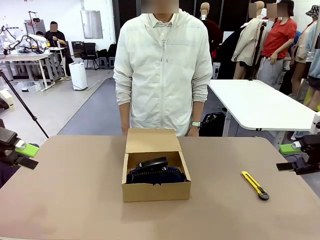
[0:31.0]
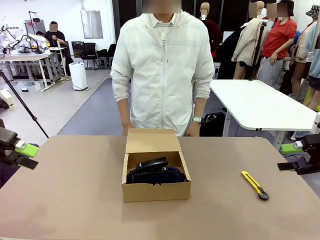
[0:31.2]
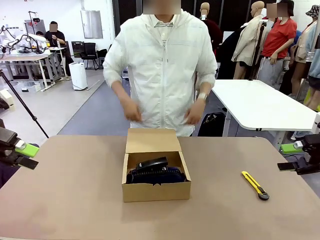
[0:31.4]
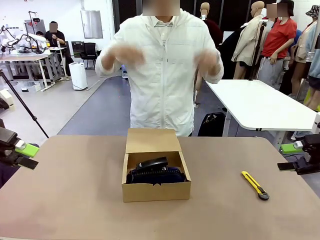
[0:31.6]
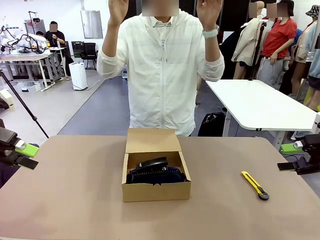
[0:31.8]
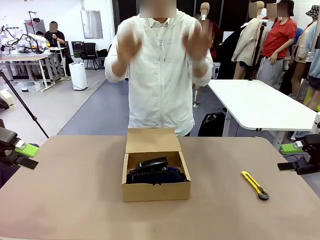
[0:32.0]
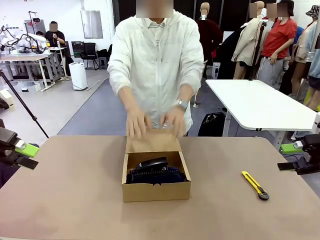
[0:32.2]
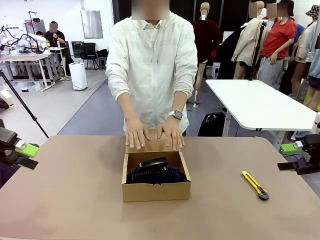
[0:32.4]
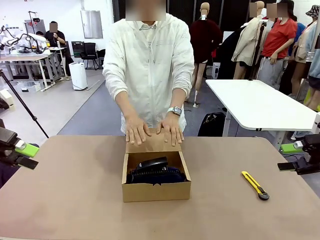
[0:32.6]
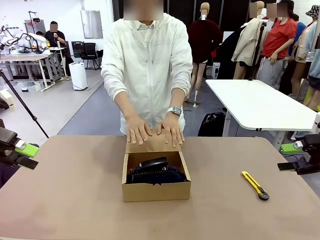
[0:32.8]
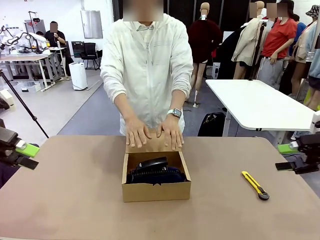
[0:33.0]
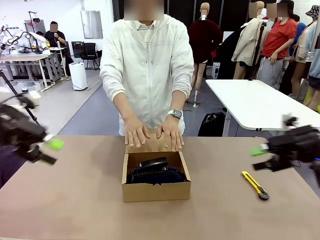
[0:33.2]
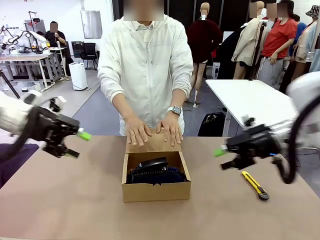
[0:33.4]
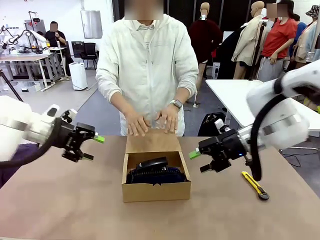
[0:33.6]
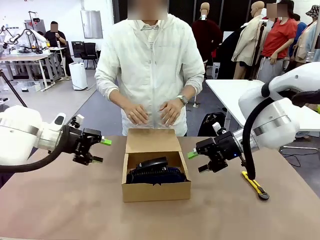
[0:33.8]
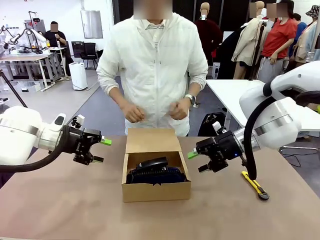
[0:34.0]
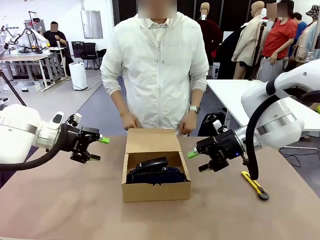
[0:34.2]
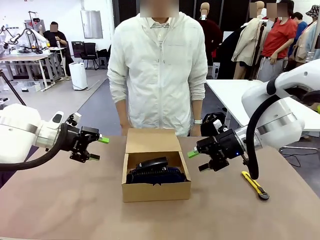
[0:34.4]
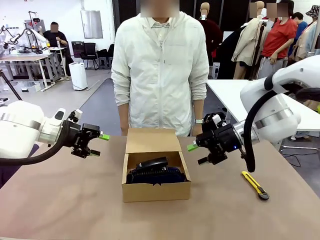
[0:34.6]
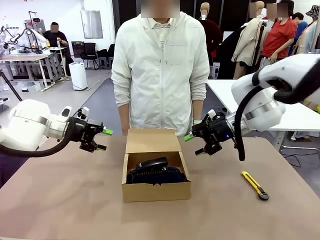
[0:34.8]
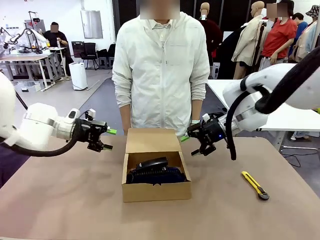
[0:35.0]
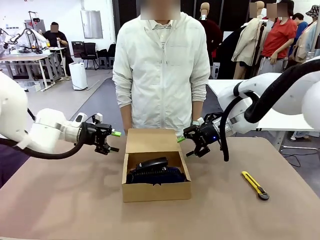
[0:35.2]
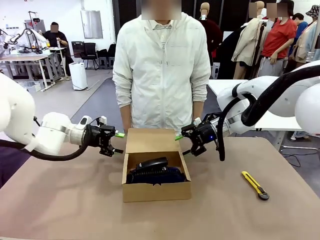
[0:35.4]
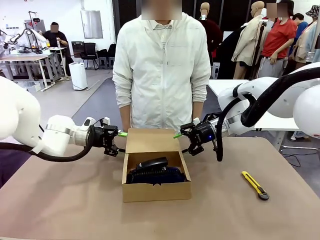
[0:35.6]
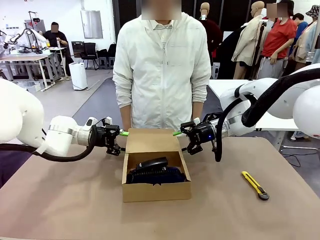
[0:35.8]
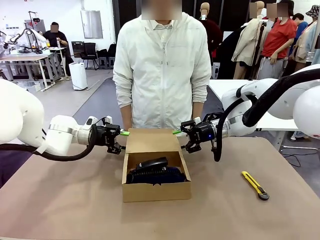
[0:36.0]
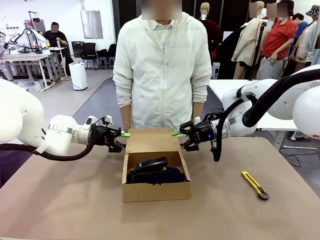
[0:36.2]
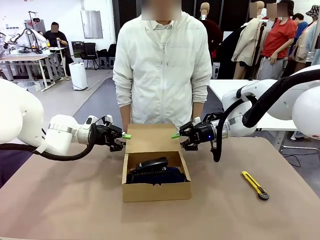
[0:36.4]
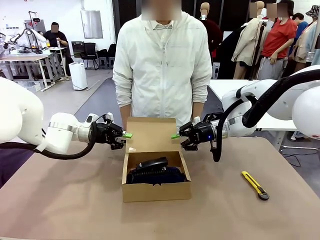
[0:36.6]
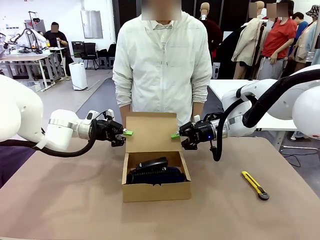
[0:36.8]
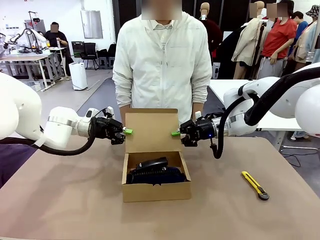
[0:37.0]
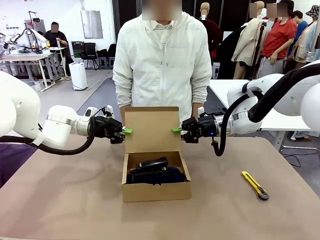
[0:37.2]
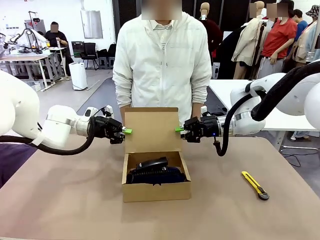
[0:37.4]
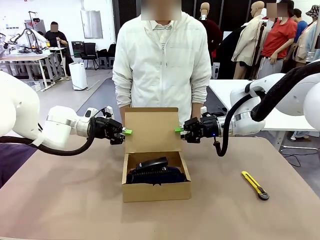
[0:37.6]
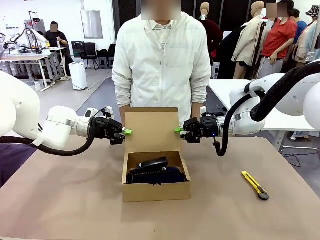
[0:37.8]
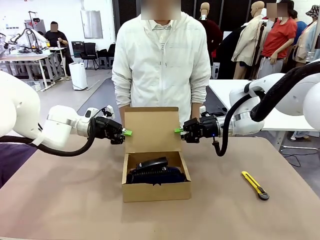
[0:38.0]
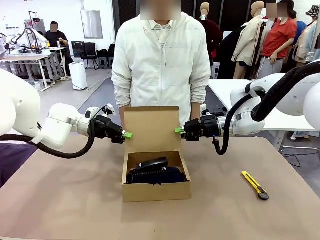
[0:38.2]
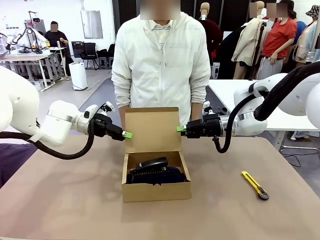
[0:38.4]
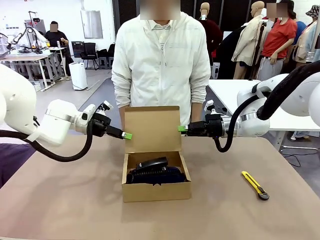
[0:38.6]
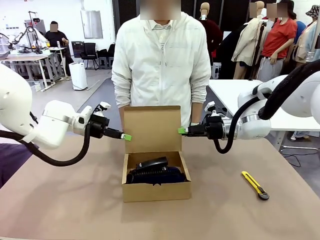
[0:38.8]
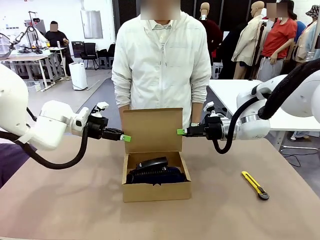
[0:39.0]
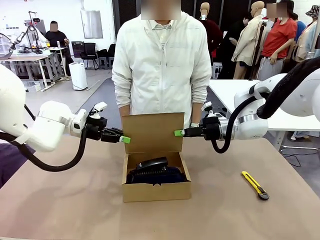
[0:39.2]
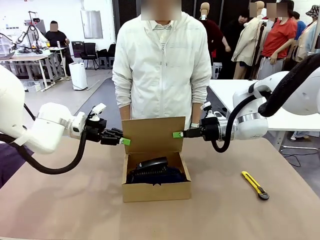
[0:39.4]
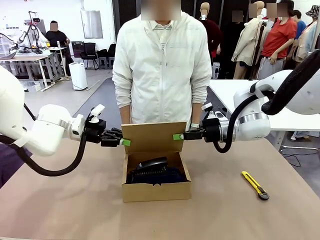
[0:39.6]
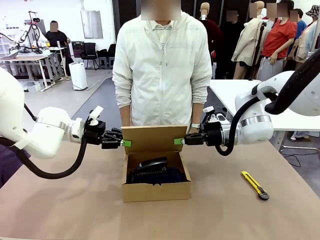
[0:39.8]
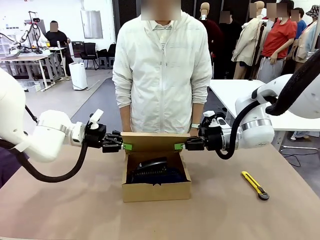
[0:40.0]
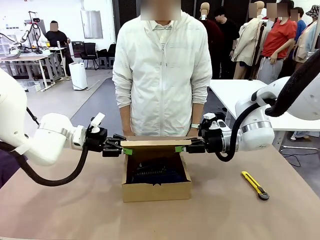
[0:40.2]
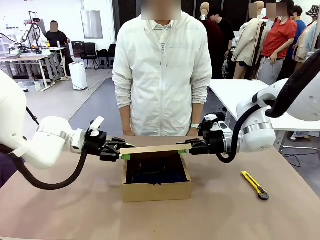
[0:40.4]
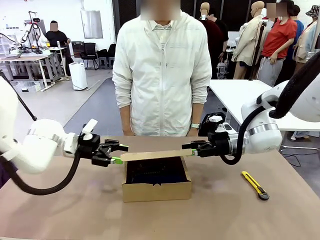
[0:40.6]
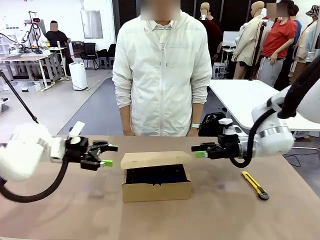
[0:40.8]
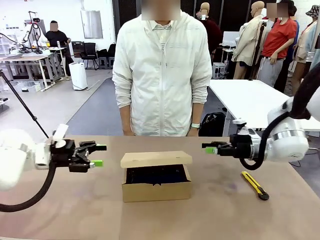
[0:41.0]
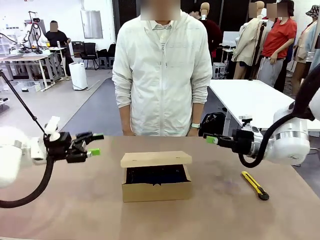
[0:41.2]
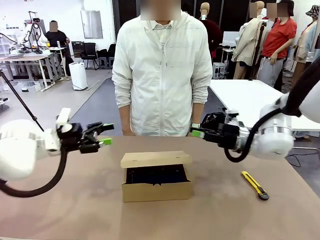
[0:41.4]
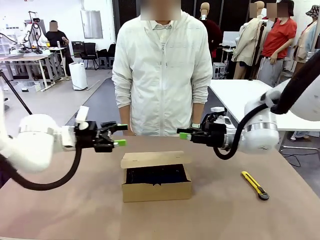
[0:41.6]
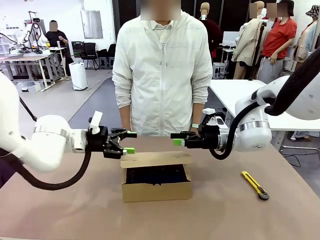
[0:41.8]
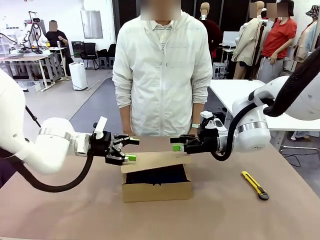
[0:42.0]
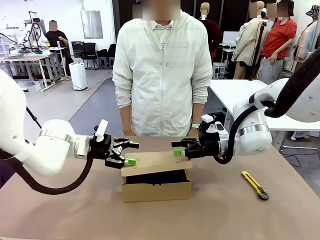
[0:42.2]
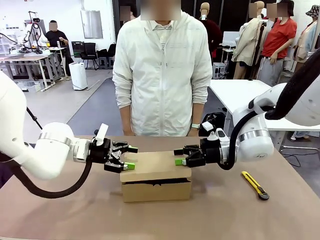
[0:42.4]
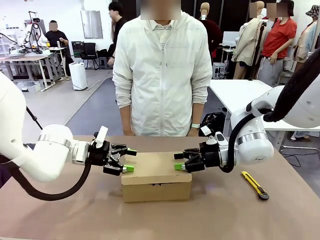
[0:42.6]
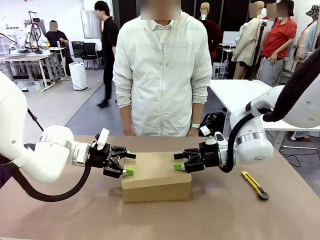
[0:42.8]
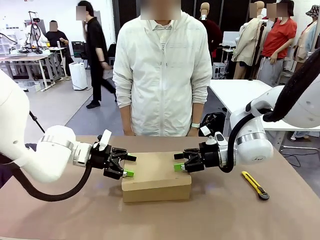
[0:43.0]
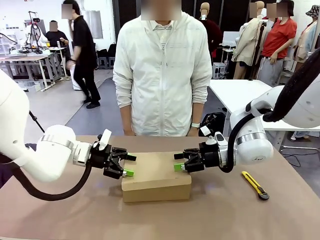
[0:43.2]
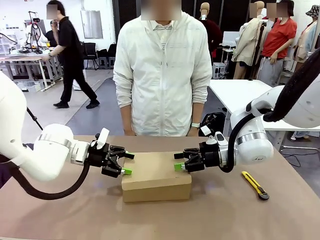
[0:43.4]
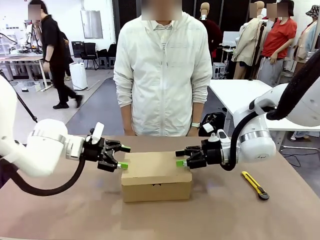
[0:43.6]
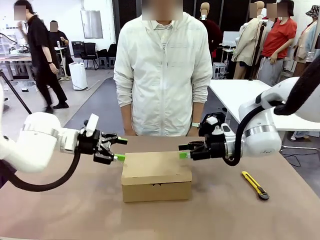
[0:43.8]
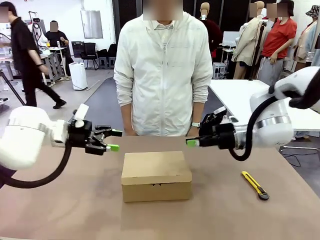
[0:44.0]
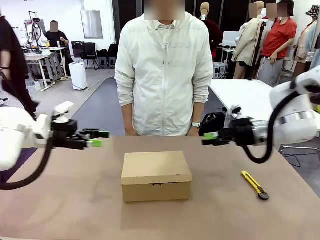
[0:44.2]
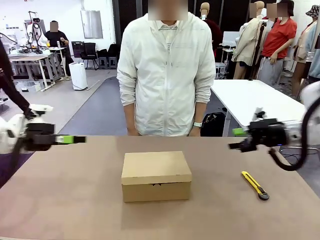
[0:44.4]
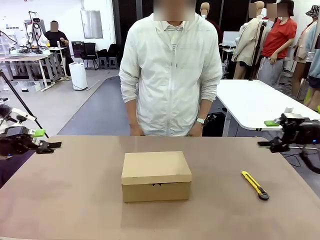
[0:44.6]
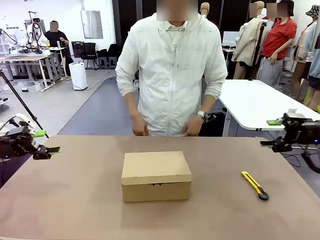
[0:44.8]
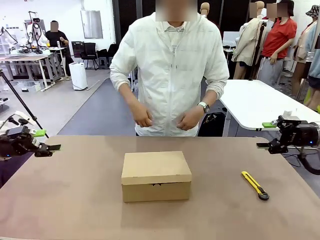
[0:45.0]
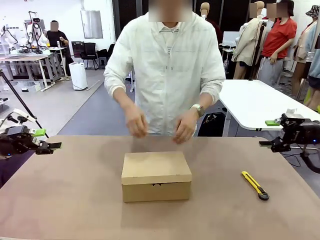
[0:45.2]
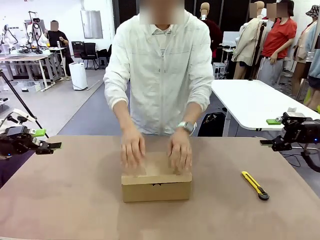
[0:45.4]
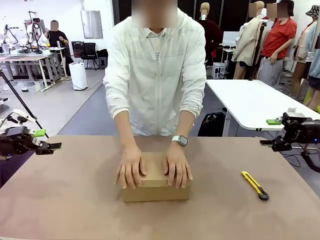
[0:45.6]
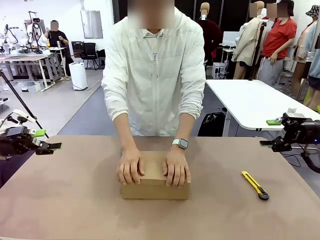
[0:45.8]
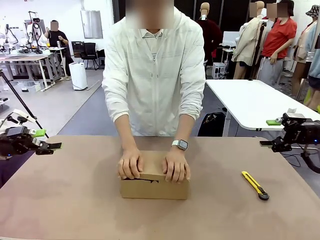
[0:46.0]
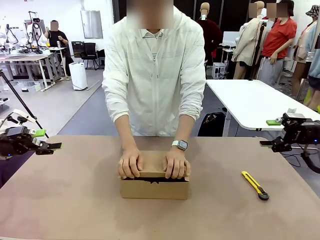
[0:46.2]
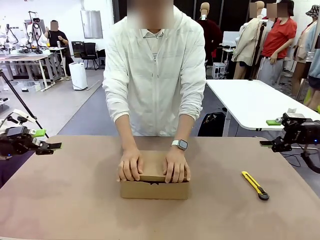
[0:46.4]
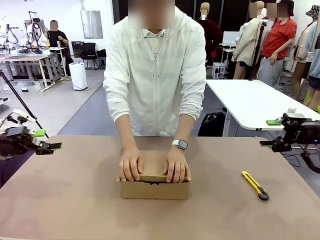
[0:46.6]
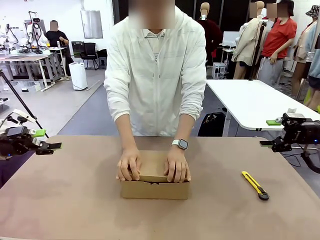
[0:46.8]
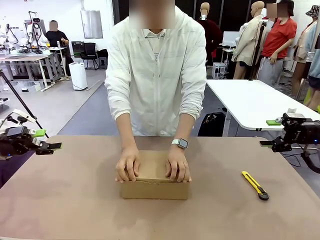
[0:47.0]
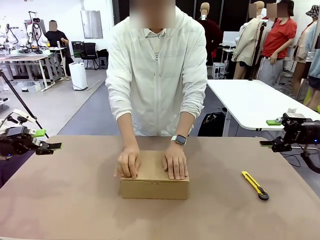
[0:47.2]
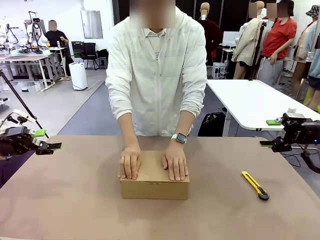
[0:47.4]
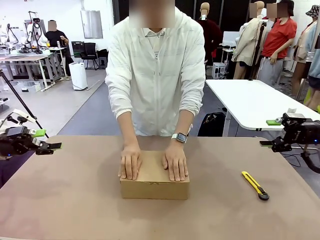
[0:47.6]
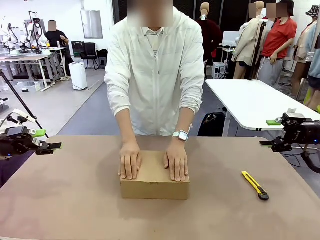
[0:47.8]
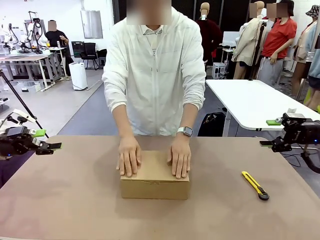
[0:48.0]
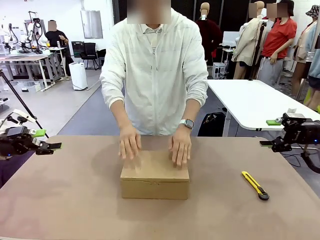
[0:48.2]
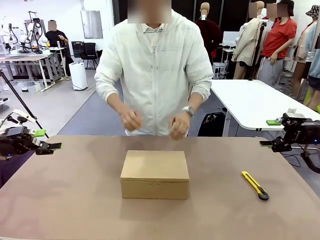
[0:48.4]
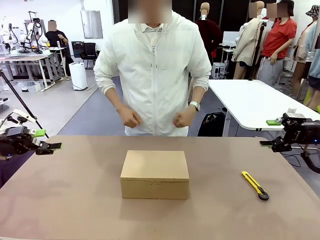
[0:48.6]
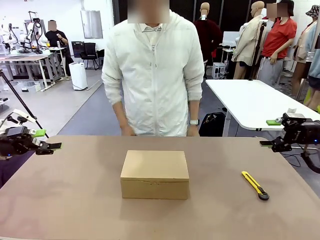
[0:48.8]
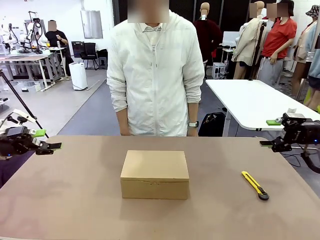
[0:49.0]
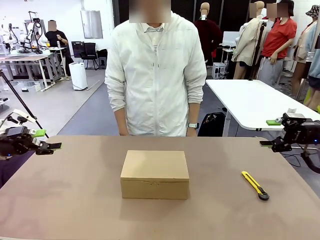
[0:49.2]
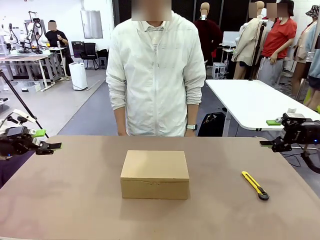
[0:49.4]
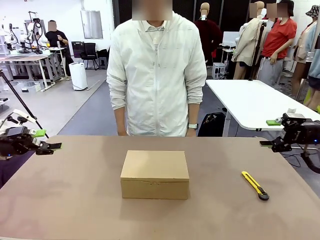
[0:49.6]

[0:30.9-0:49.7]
Task: Pack the items into the box.
Robot: Close the Mailer Box.
Person: Turn the box and lock it.
